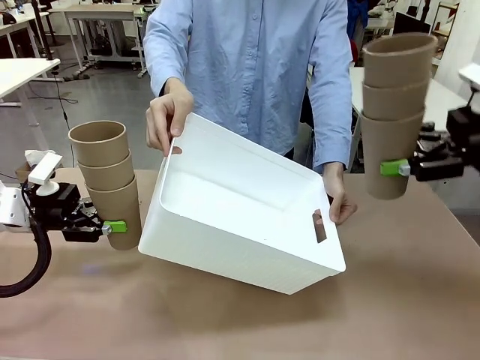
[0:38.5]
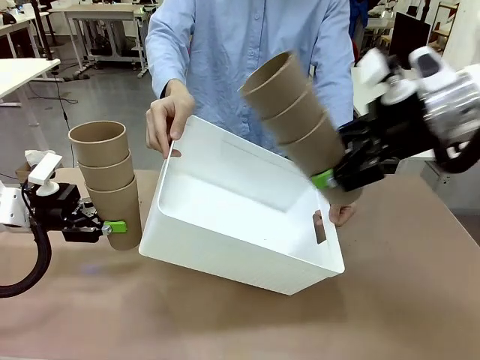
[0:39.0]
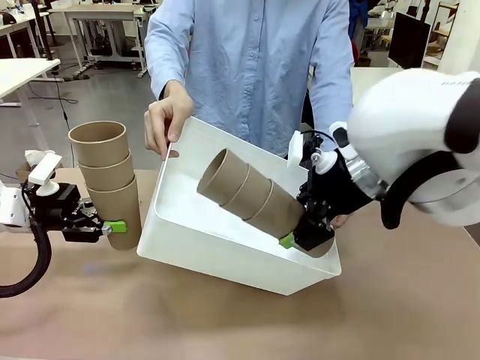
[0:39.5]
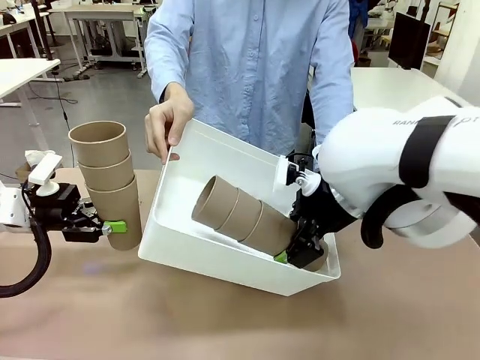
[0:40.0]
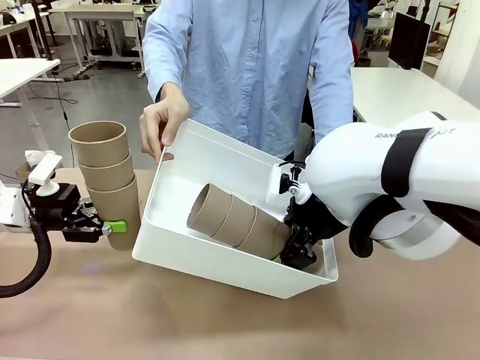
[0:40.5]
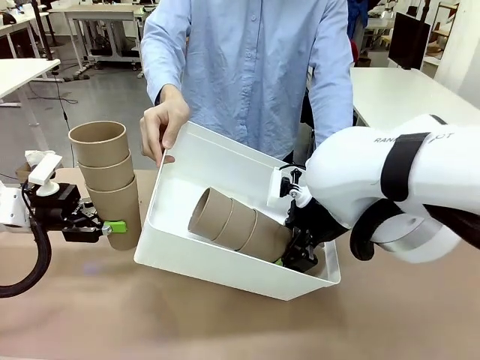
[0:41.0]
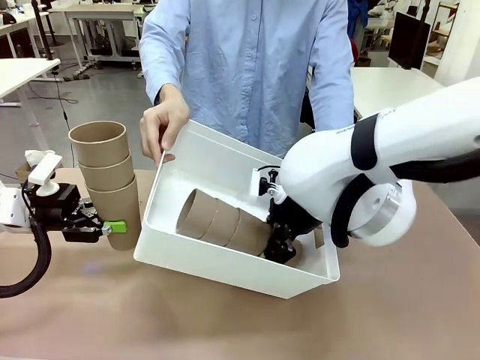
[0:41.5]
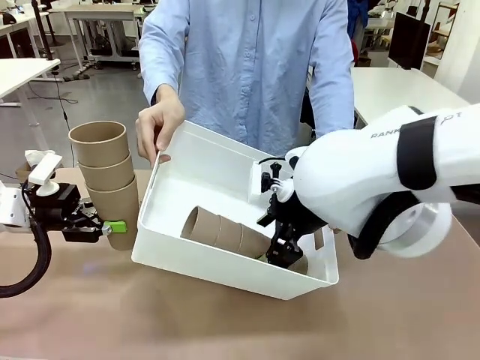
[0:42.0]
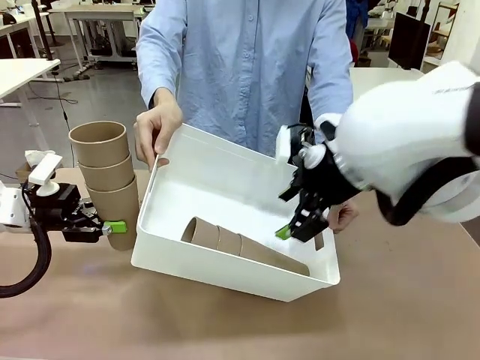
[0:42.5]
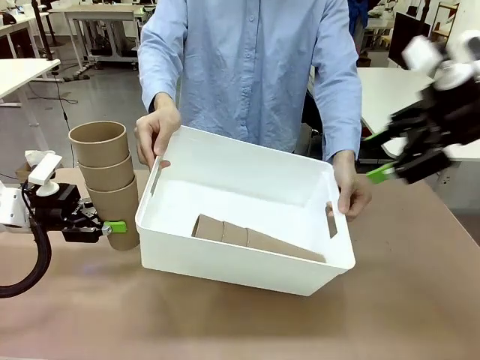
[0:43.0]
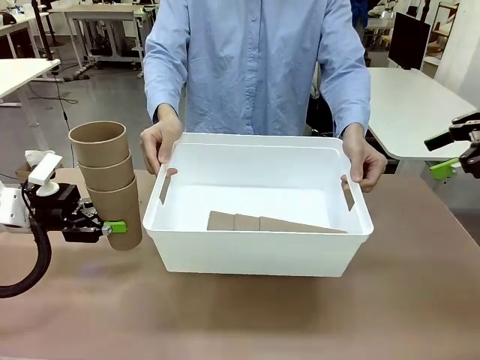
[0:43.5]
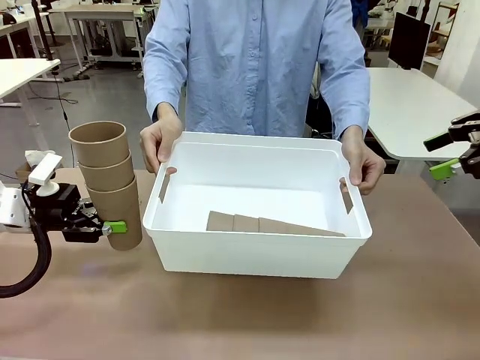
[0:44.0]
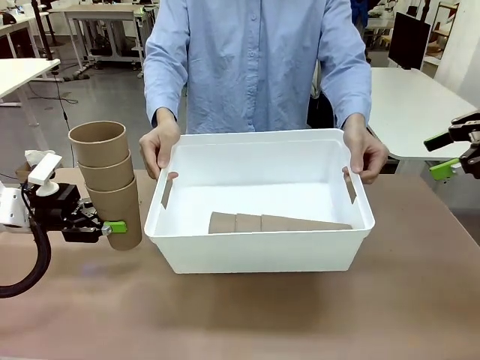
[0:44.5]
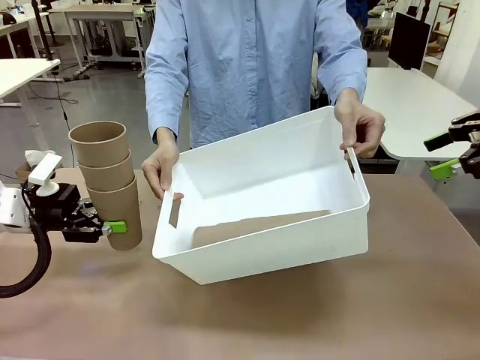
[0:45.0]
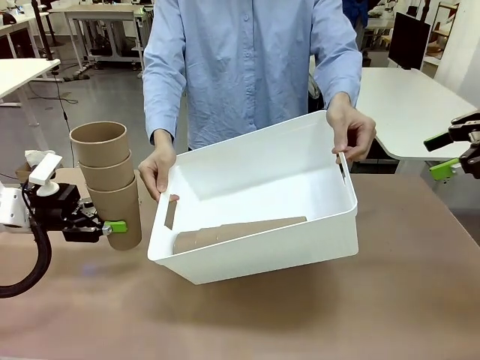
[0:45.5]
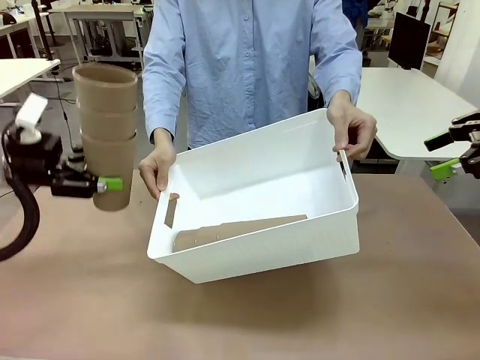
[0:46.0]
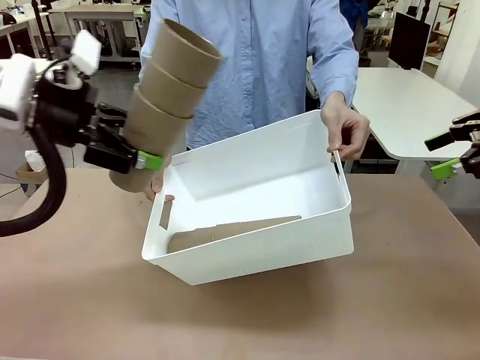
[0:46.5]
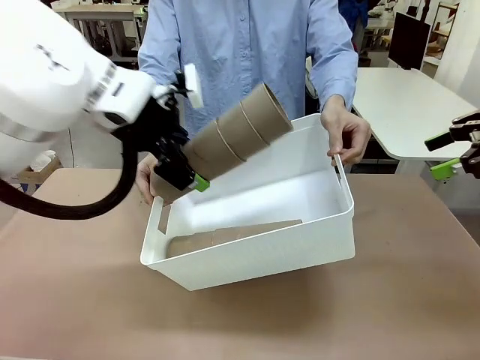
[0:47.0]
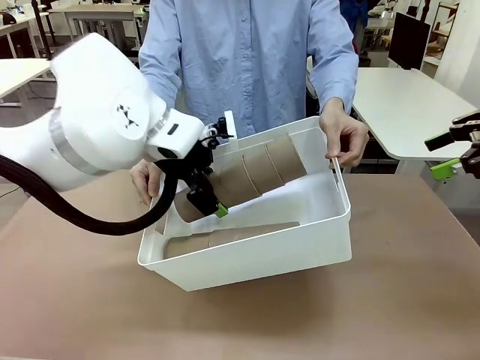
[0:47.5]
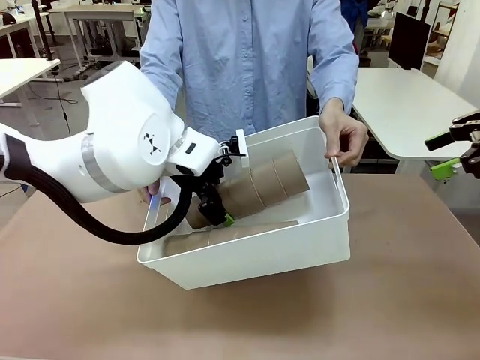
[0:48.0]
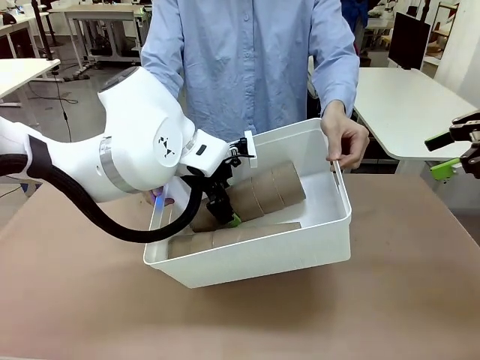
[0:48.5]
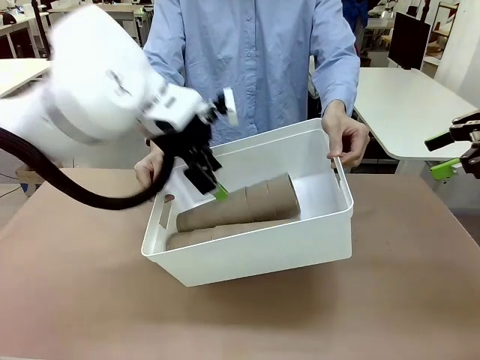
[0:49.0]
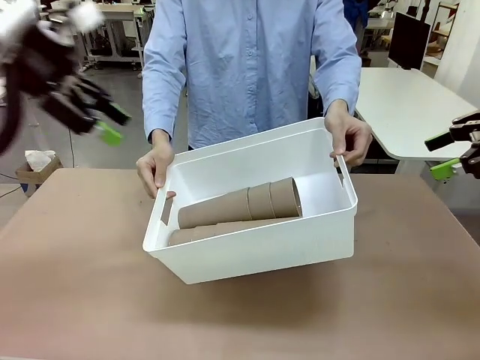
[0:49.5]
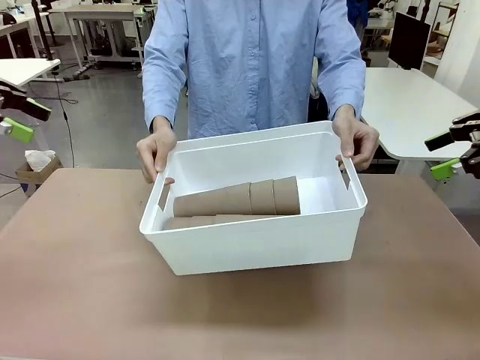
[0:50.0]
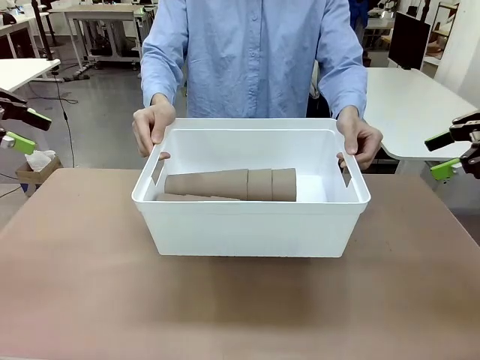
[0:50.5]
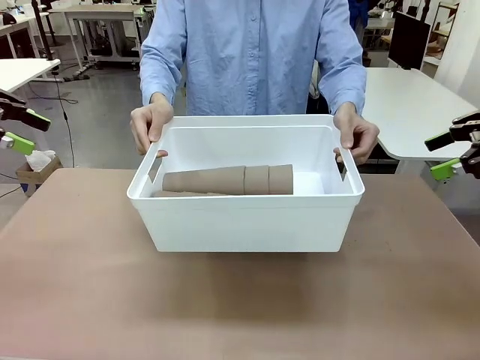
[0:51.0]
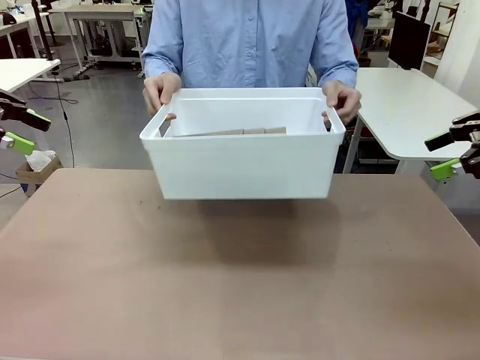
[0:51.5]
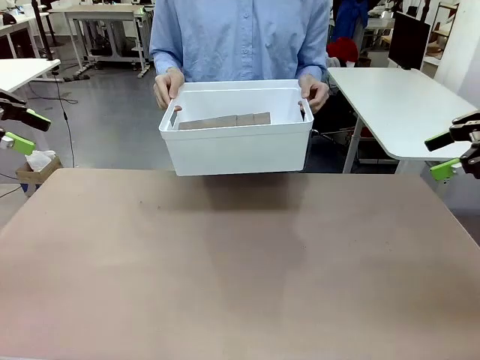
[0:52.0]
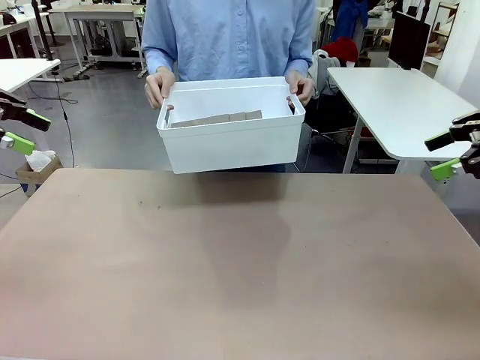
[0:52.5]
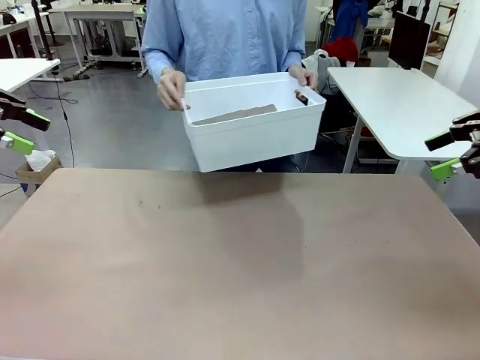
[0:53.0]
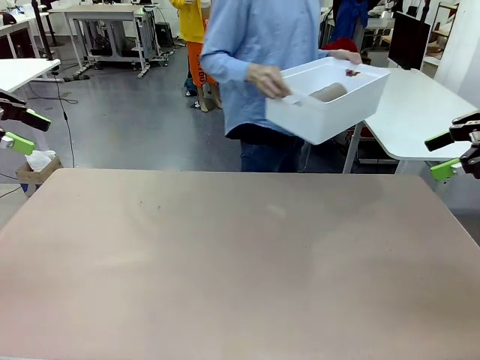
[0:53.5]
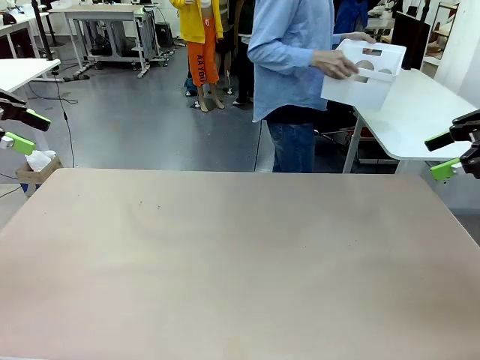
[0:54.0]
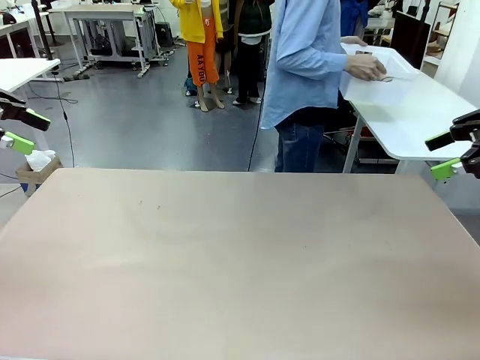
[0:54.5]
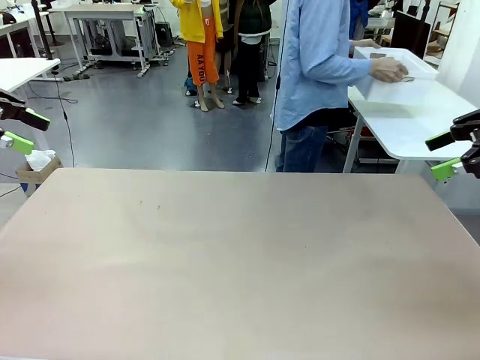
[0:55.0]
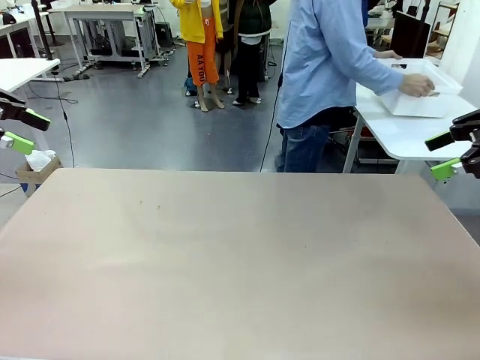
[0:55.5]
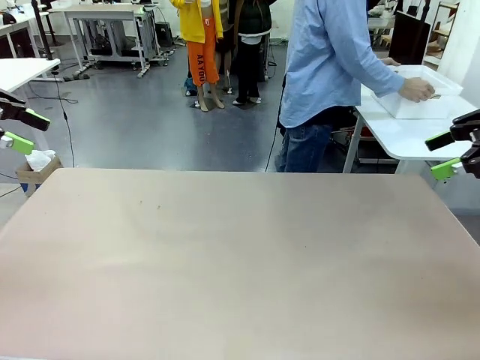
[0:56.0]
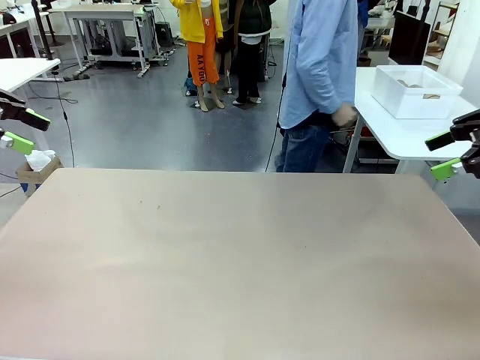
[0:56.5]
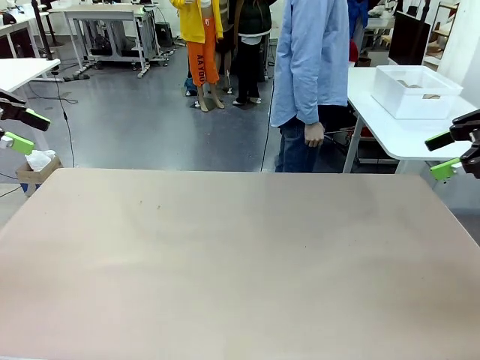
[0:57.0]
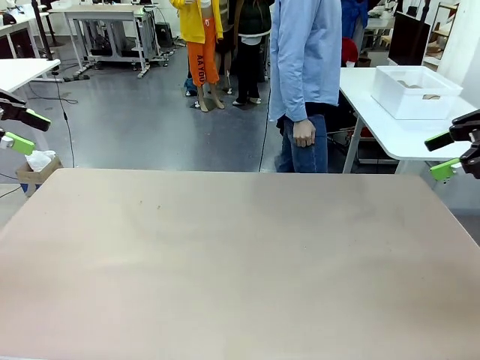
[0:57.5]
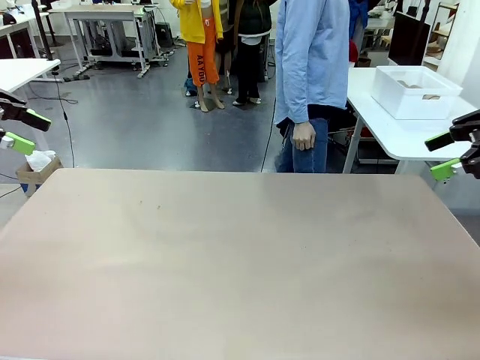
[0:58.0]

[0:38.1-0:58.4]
Task: Stack the cups and store them in the basket.
Robot: Place the stack of Reusable plastic cups into the Pantry Basket.
Person: Place the basket containing the cups in the middle of the Human Table.

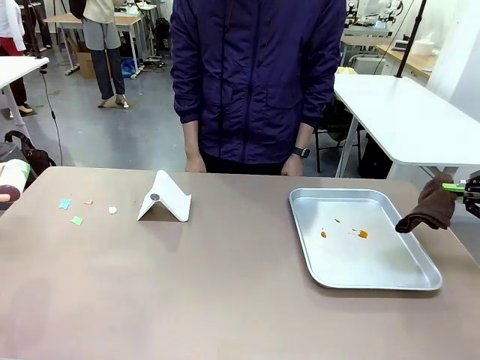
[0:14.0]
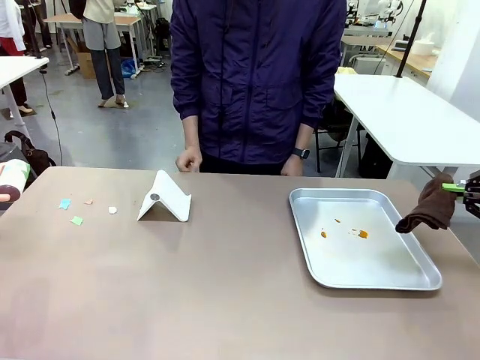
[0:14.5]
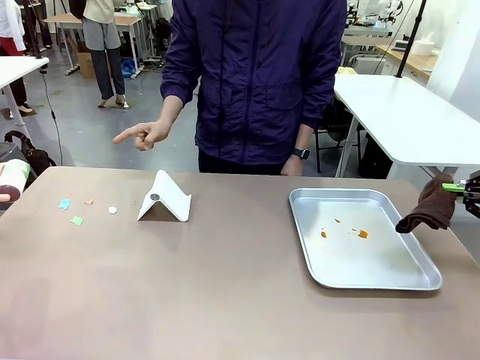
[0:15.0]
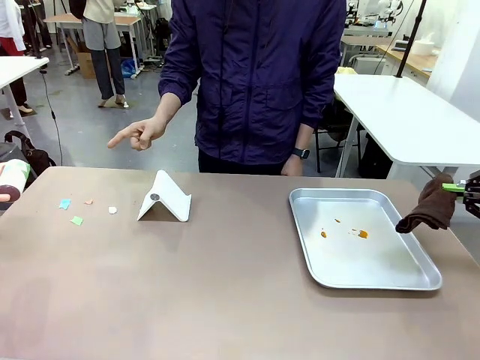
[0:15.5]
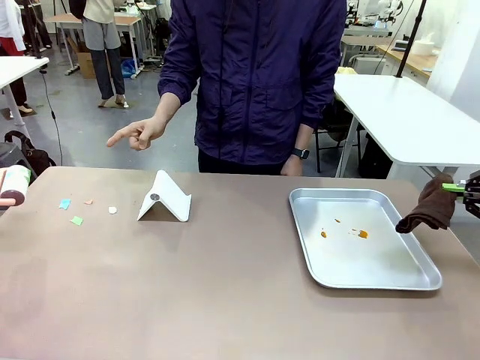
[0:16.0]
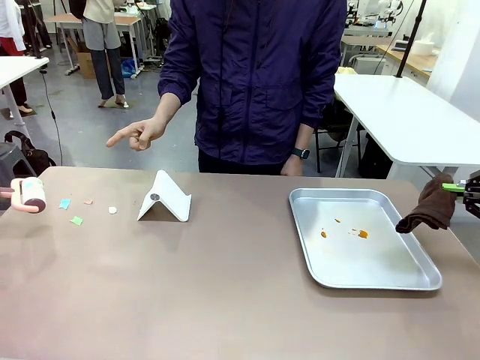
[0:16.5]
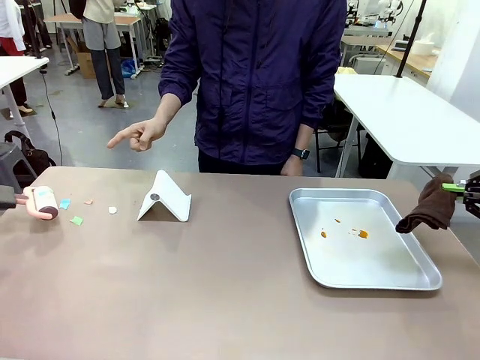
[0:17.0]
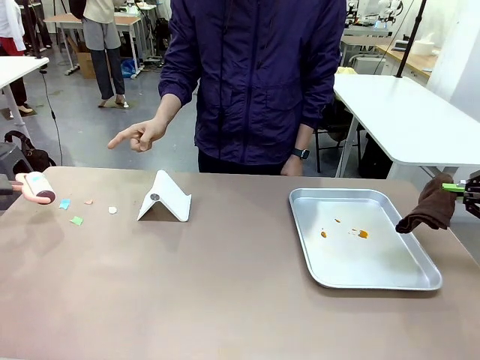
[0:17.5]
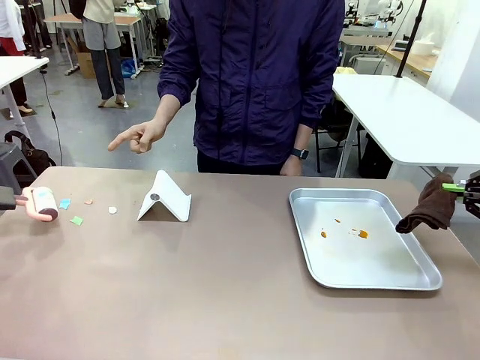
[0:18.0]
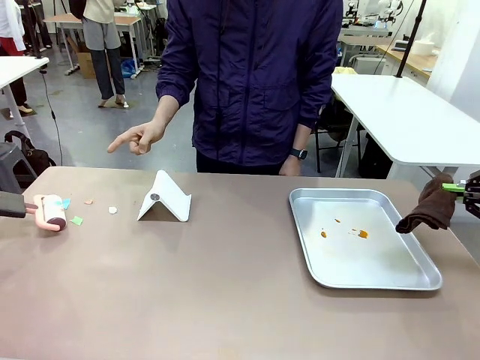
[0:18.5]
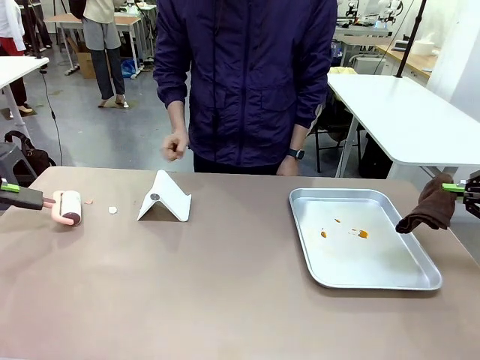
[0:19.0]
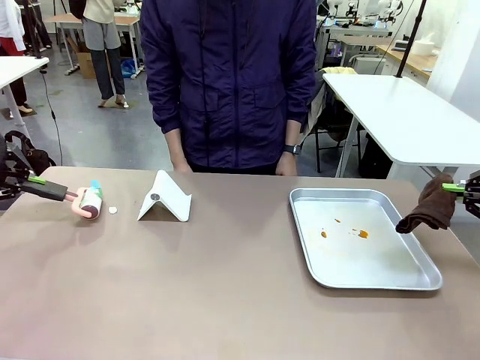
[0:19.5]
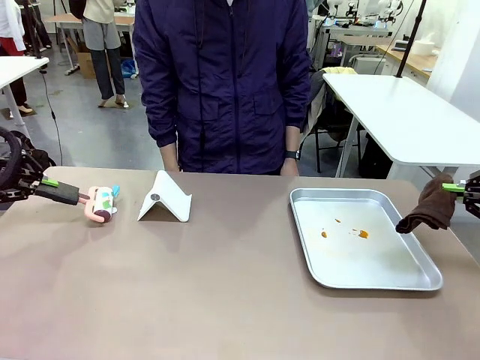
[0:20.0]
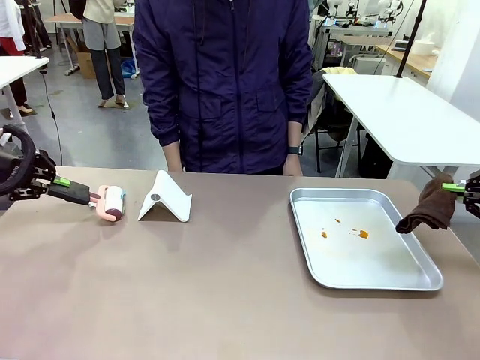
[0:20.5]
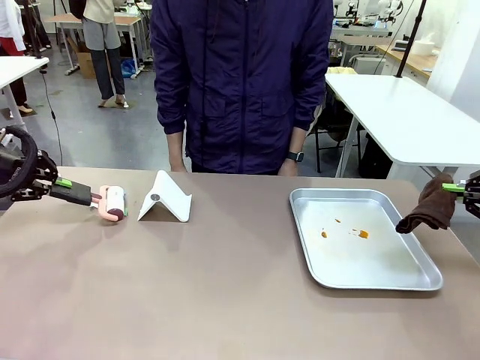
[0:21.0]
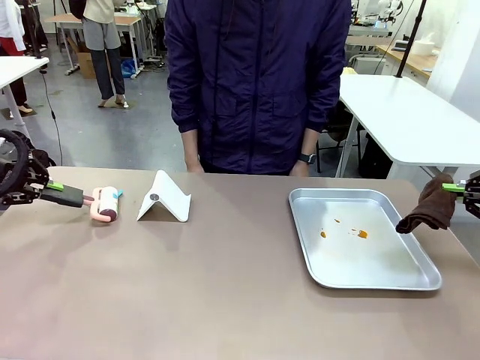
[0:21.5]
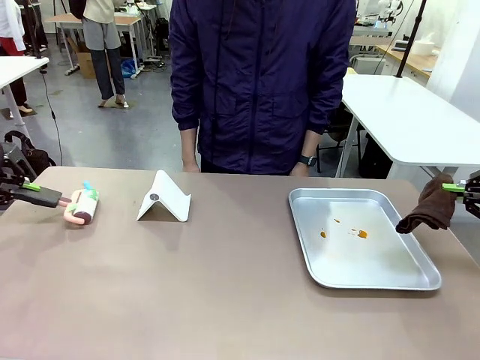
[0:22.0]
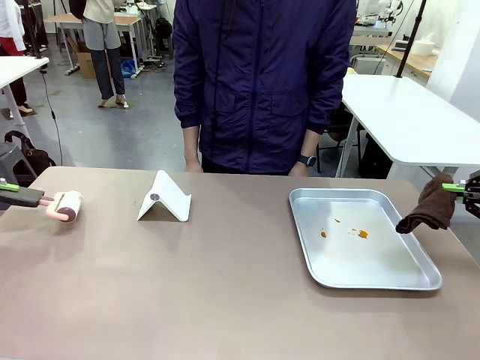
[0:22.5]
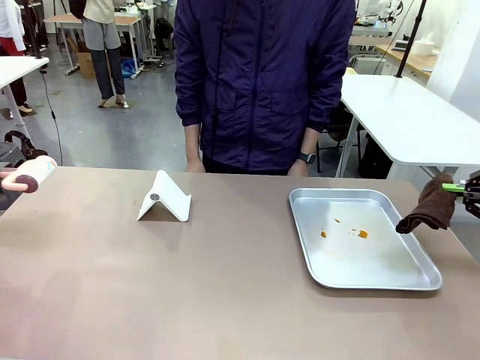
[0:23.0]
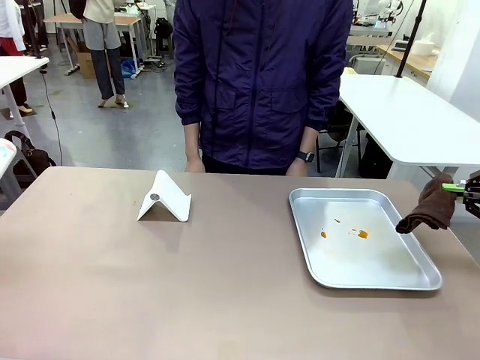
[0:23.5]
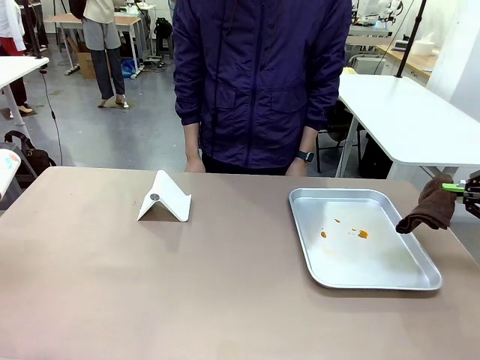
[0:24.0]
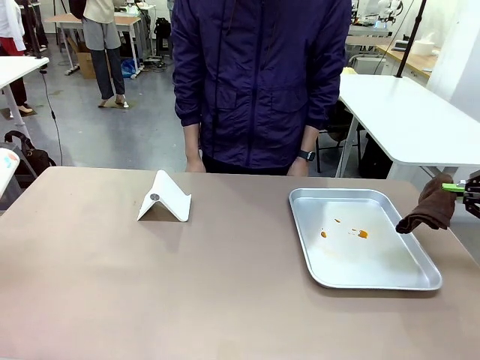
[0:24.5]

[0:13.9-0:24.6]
Task: Clean the surface of the table.
Robot: If a person points to the right, clean the right side of the table with your right hand, and if they point to the left, clean the left side with your left hand.
